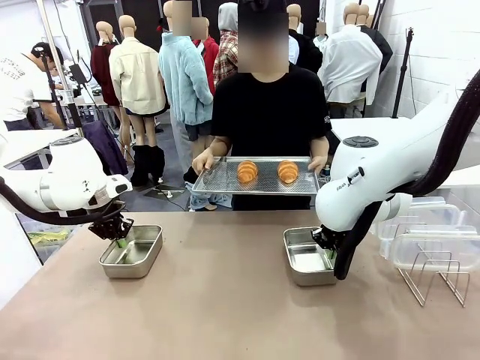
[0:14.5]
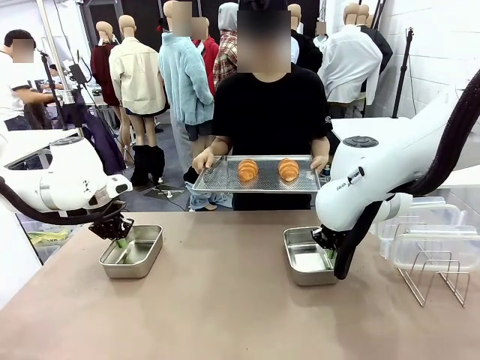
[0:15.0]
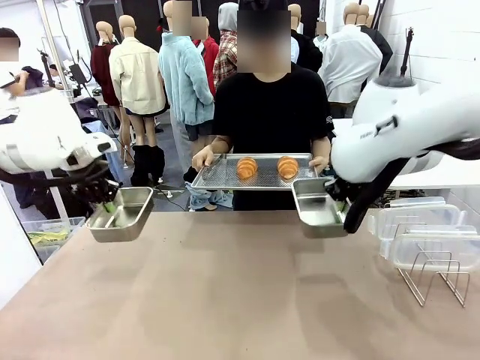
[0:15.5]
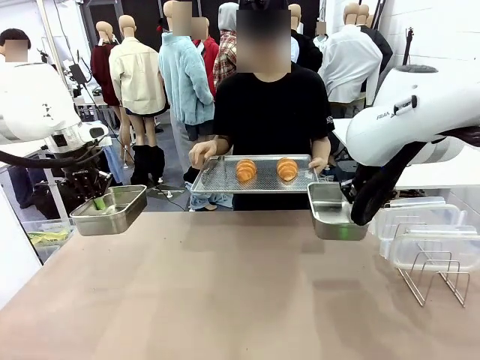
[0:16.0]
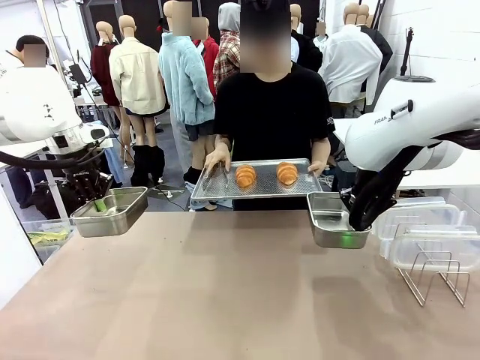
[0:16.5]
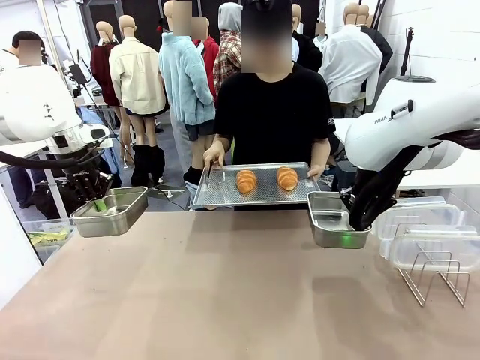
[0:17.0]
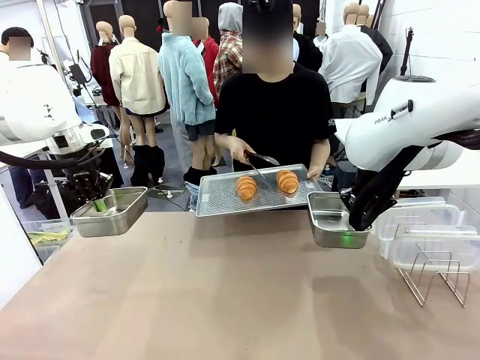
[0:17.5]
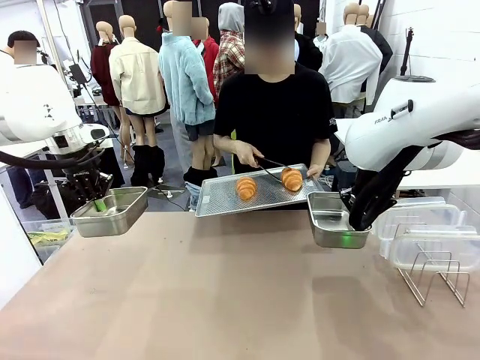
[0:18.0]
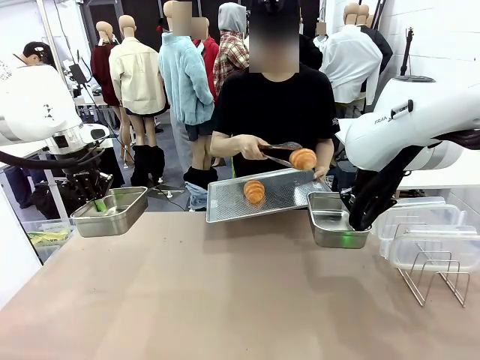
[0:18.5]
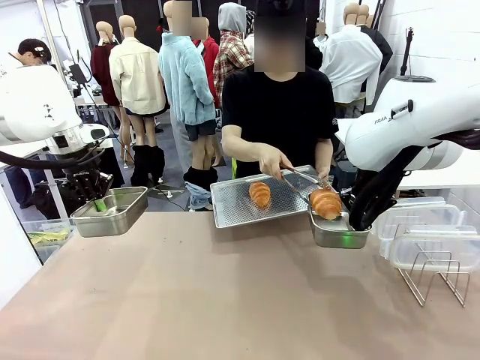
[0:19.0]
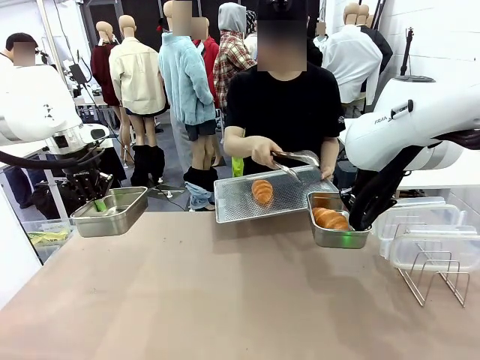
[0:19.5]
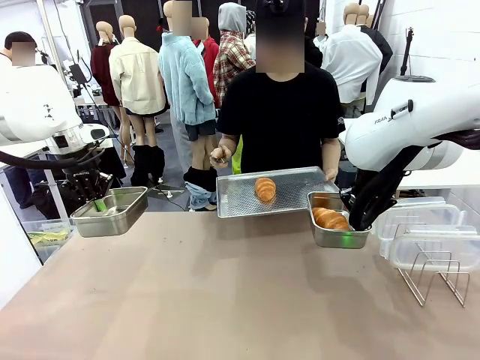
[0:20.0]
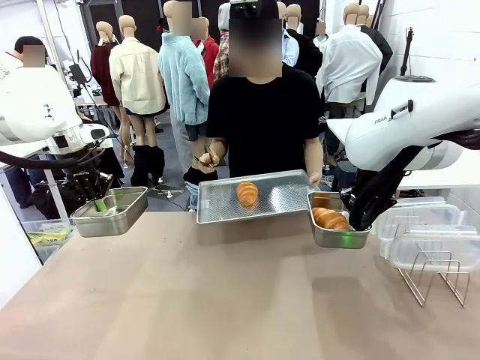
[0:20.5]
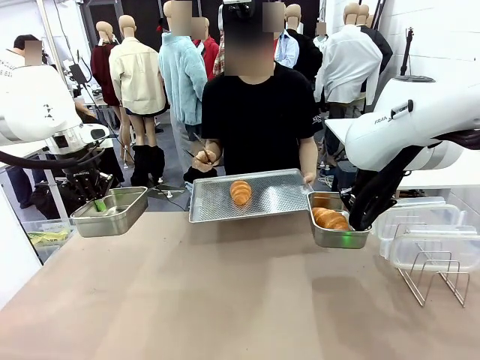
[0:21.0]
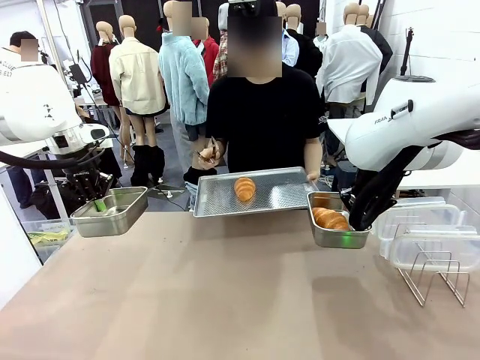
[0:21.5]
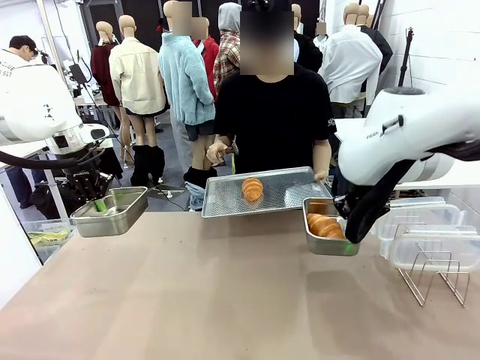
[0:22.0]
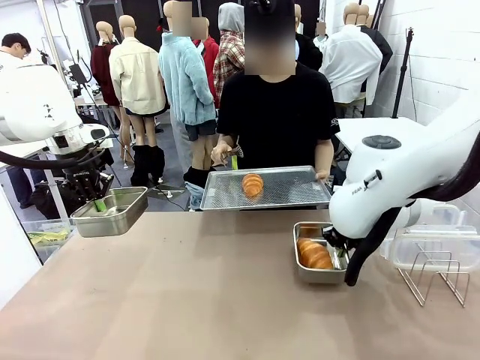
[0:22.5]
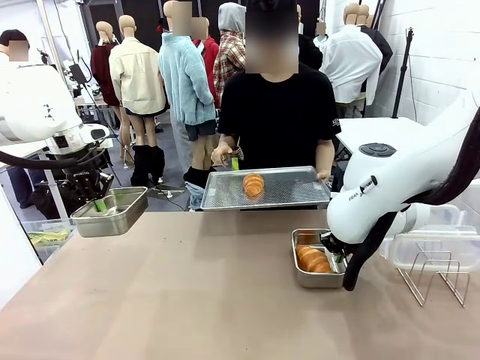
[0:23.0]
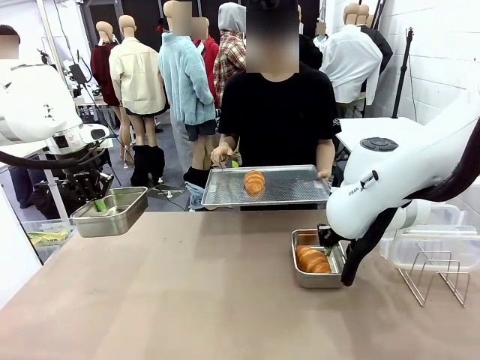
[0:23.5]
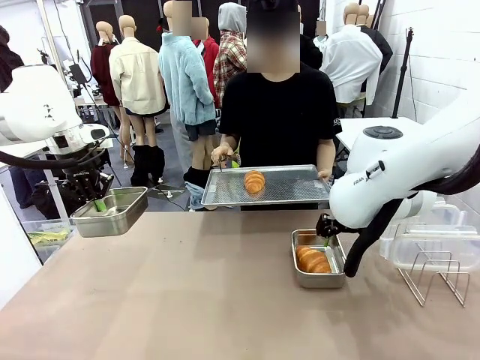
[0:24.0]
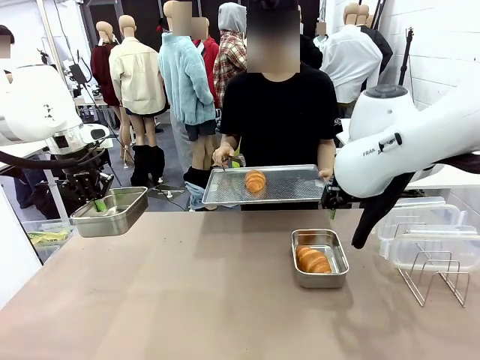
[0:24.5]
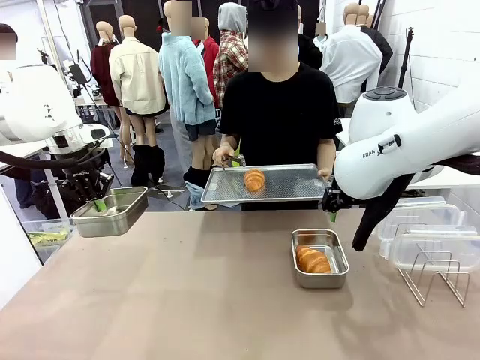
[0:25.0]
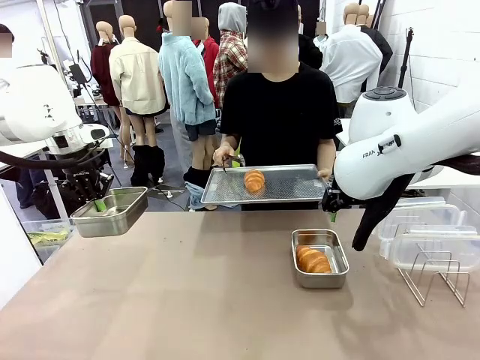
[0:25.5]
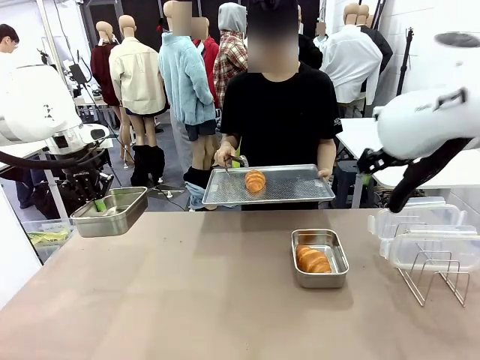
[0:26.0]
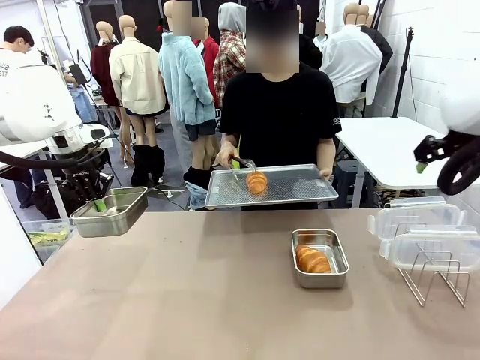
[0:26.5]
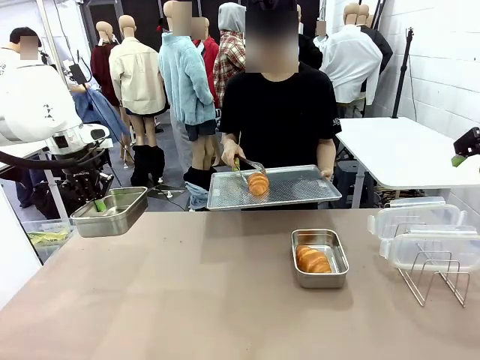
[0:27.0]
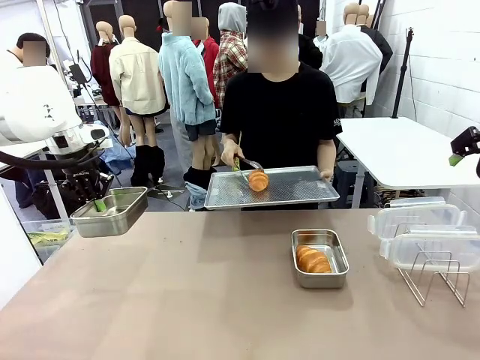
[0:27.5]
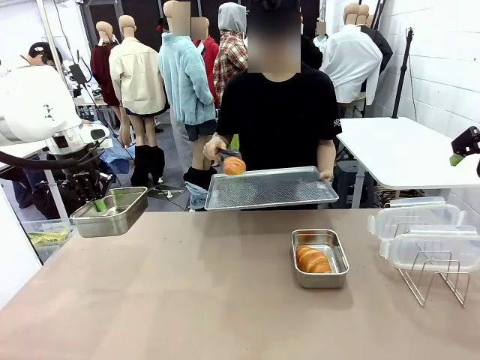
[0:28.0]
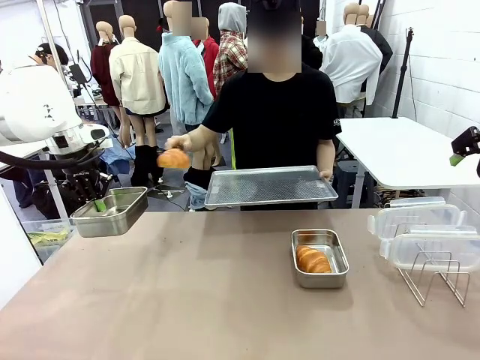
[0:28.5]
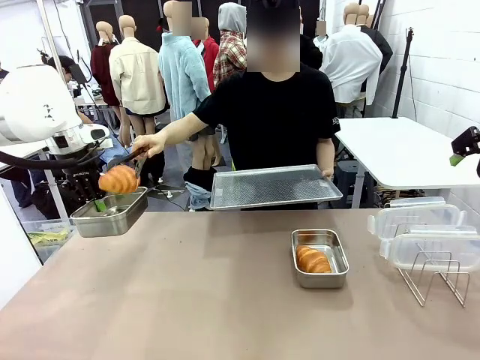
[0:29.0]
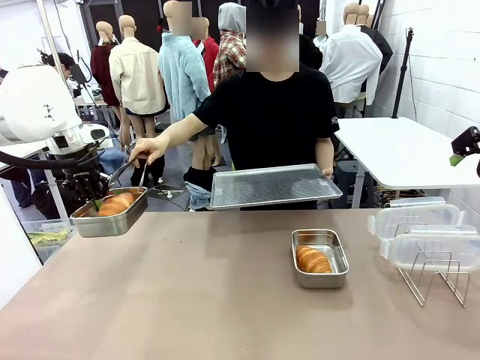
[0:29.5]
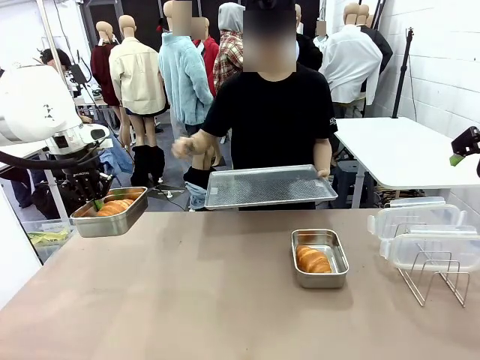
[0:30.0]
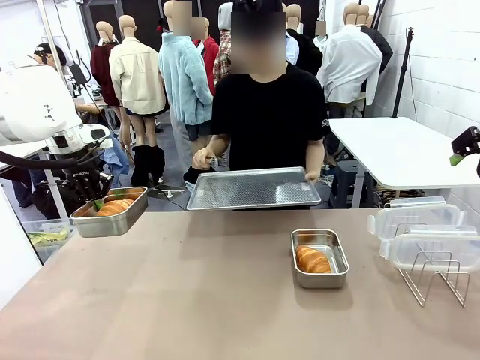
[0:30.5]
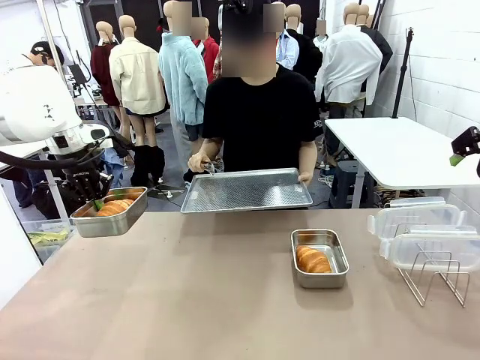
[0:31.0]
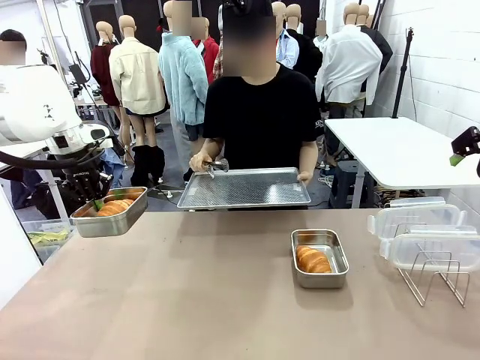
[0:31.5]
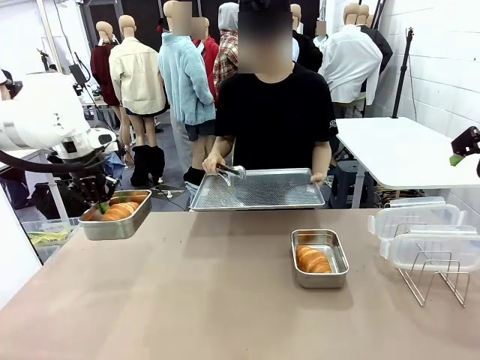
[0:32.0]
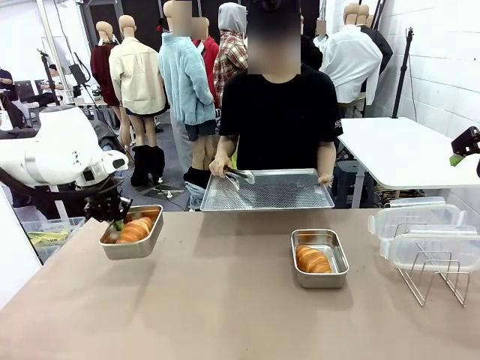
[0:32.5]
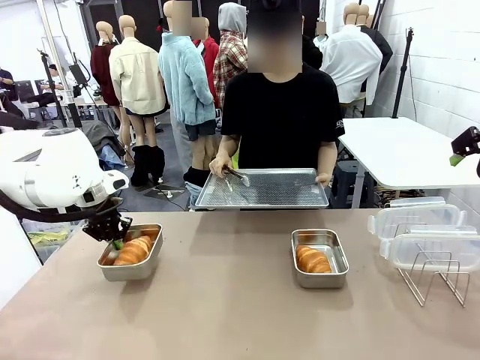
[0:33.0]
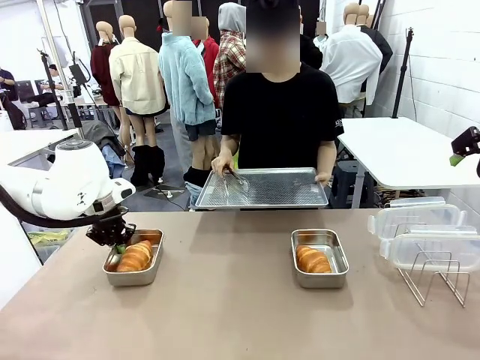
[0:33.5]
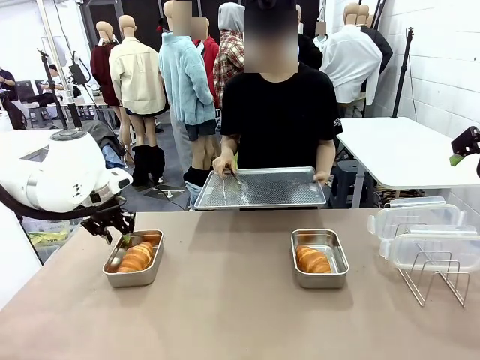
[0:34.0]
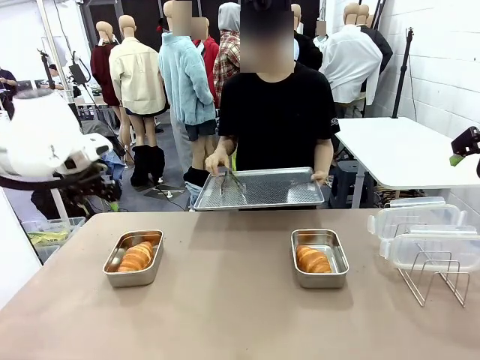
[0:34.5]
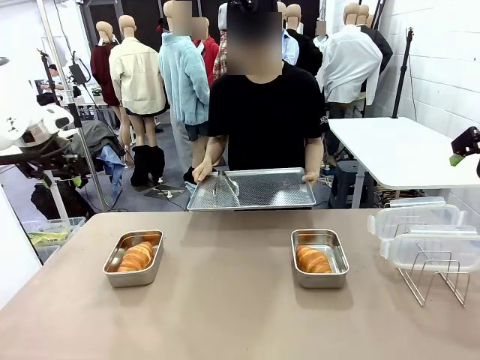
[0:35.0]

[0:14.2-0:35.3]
Task: Place the bread in airtight containers.
Robot: Once an object is inside an Airtight Container , place the container in the center of the table.
Person: Use the Stainless steel tongs to place one object from Baking Sheet into one Airtight Container.

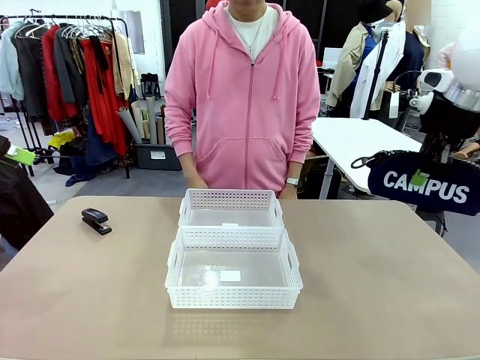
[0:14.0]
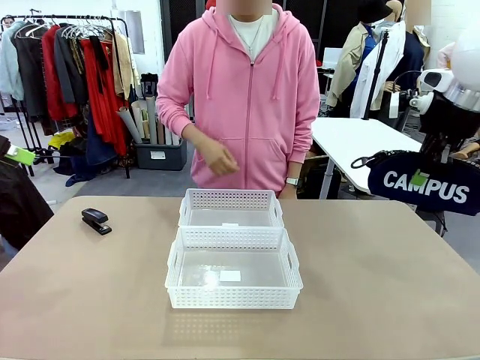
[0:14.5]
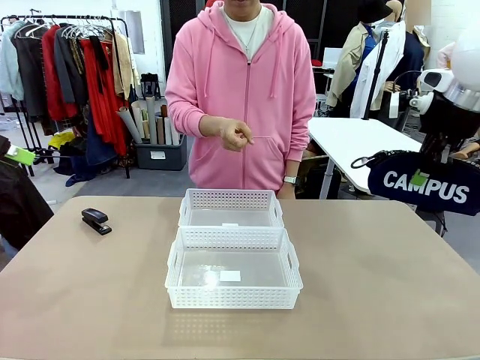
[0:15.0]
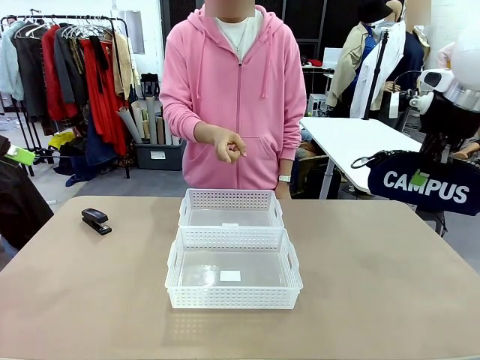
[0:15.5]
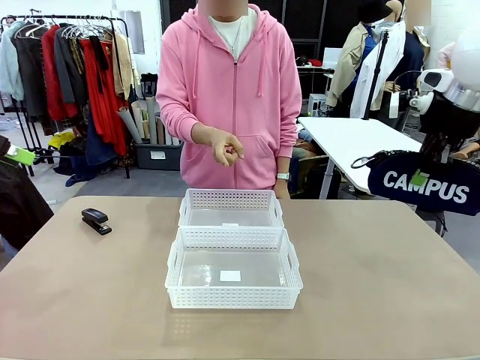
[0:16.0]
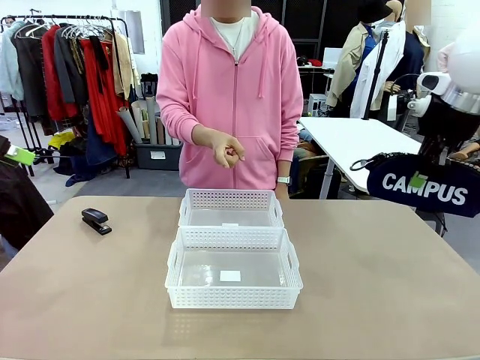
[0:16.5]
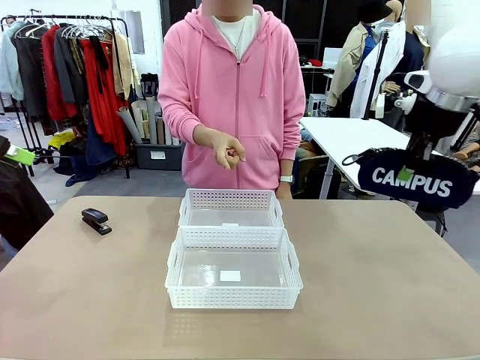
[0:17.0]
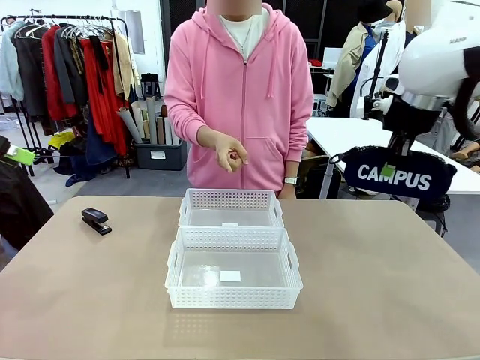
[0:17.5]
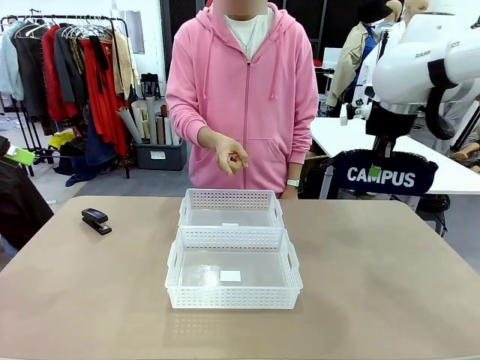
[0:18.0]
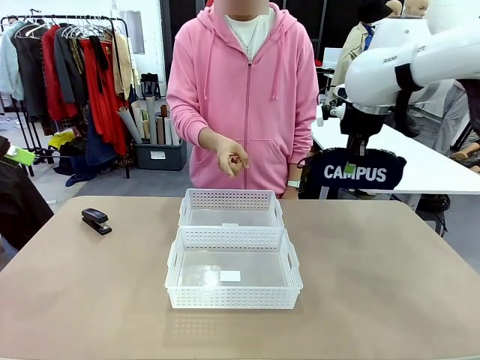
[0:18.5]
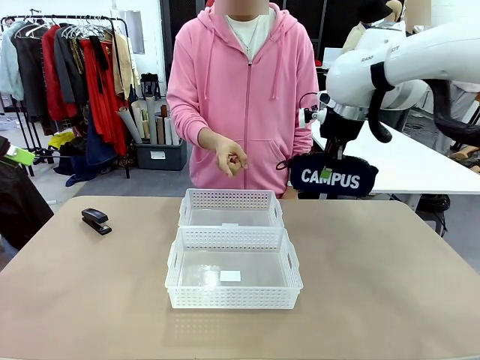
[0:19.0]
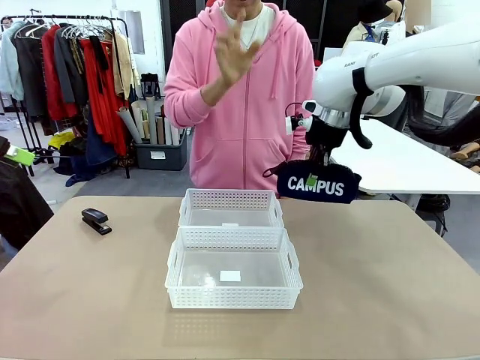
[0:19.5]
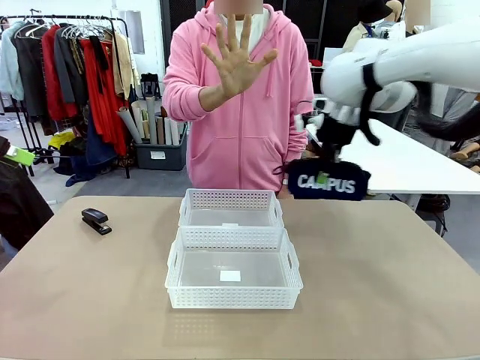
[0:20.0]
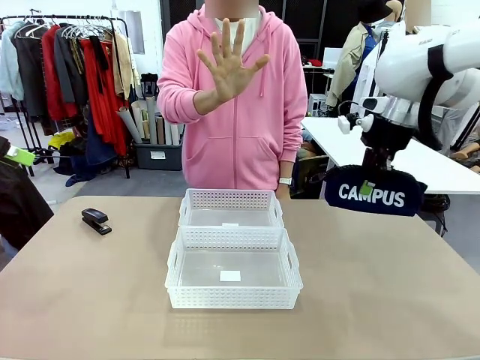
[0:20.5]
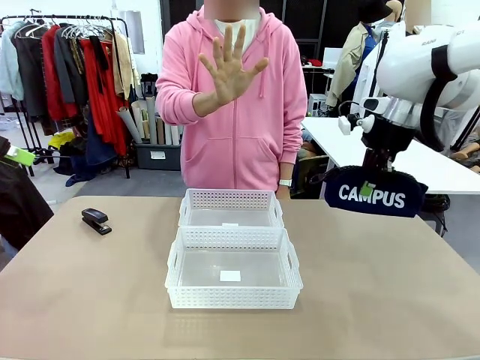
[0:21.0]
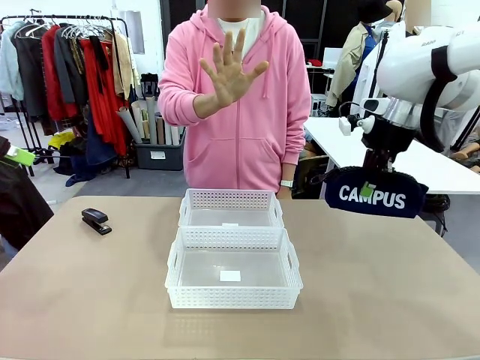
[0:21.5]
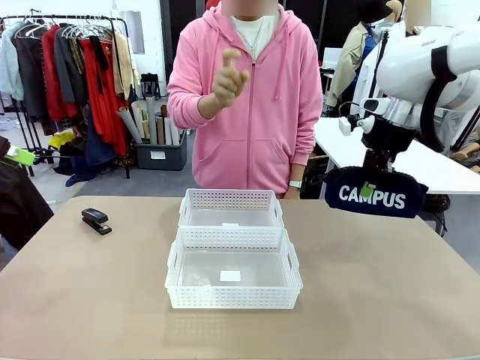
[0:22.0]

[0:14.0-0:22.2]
Task: Distribute items into two baskets.
Robot: Move the picked Pencil pouch towards the Organizing basket indicated by the person, stopping as directed.
Person: Sends a stop gesture before the robot places the pencil case into the basket.
